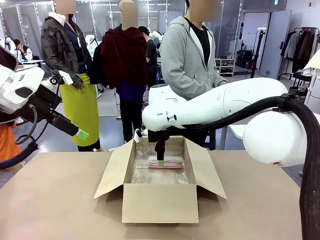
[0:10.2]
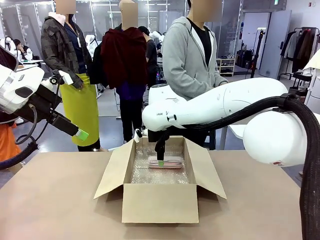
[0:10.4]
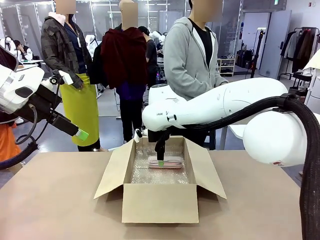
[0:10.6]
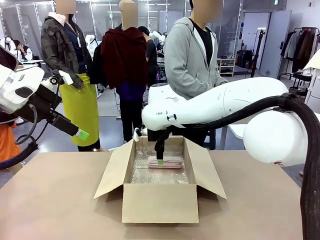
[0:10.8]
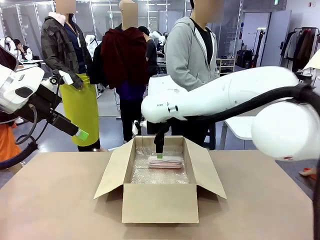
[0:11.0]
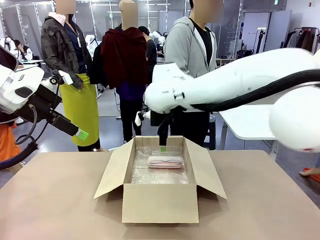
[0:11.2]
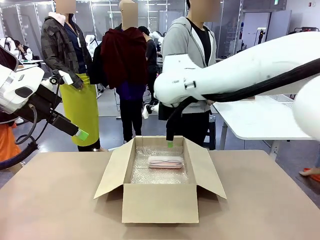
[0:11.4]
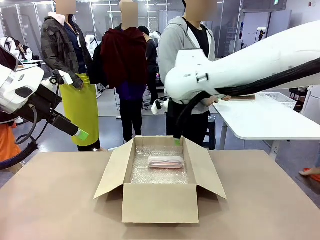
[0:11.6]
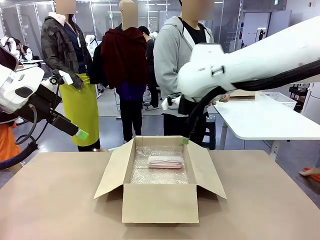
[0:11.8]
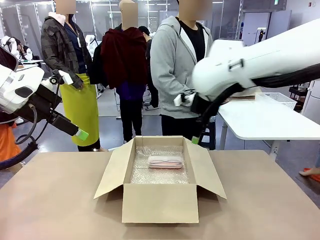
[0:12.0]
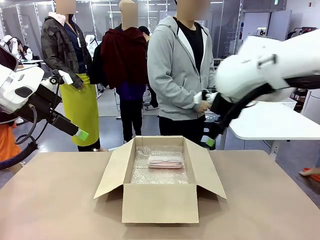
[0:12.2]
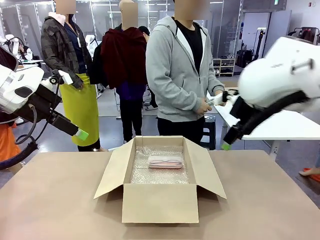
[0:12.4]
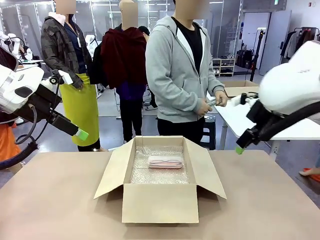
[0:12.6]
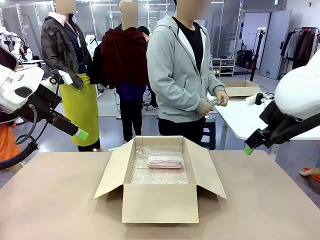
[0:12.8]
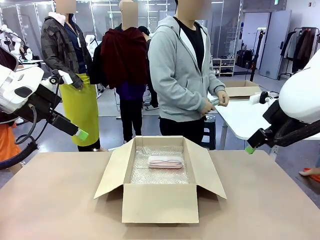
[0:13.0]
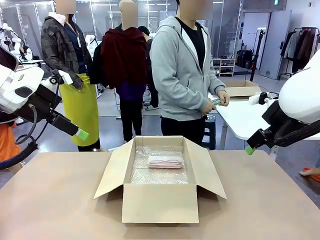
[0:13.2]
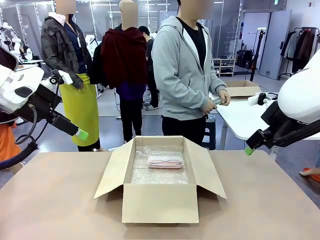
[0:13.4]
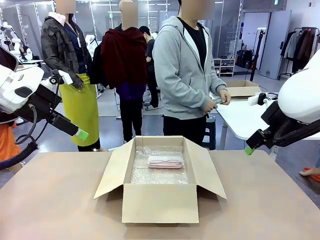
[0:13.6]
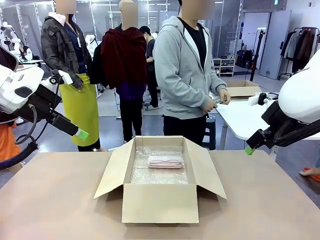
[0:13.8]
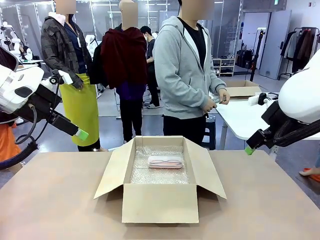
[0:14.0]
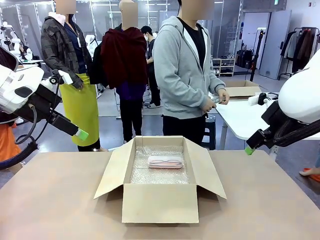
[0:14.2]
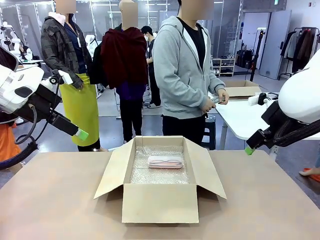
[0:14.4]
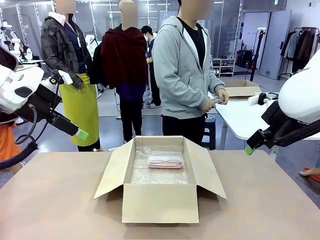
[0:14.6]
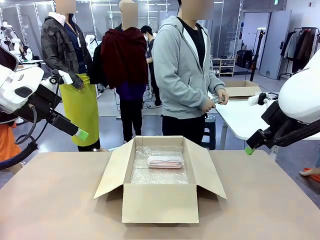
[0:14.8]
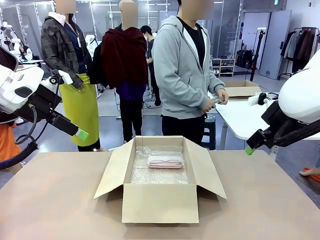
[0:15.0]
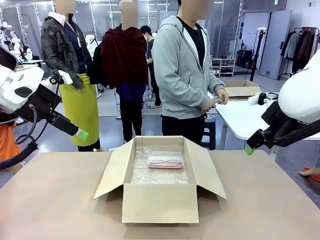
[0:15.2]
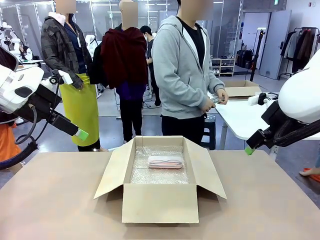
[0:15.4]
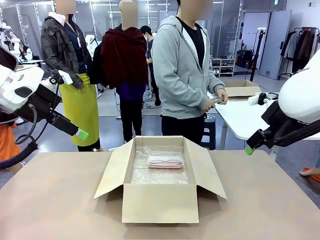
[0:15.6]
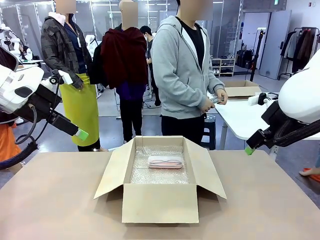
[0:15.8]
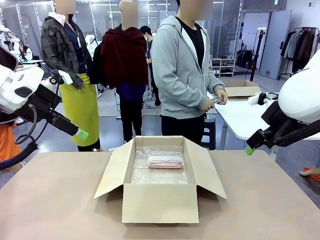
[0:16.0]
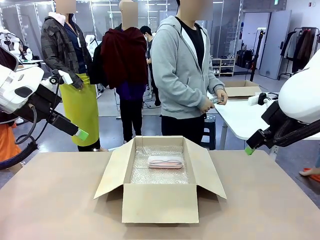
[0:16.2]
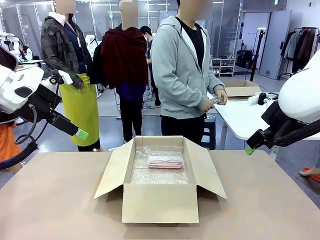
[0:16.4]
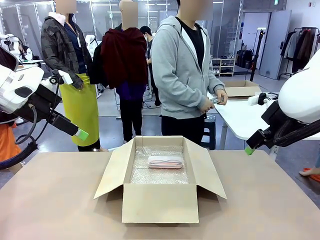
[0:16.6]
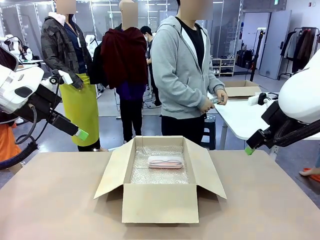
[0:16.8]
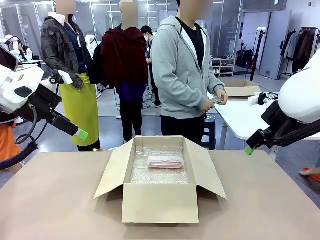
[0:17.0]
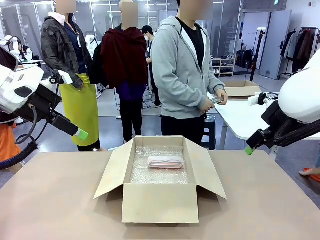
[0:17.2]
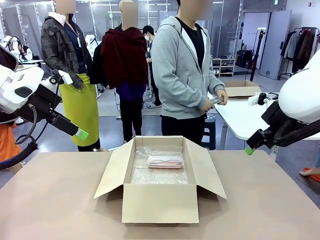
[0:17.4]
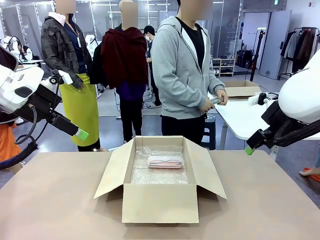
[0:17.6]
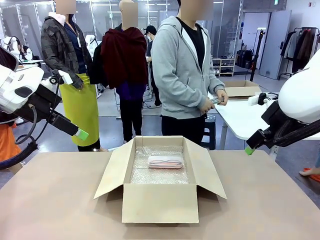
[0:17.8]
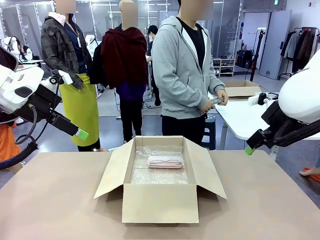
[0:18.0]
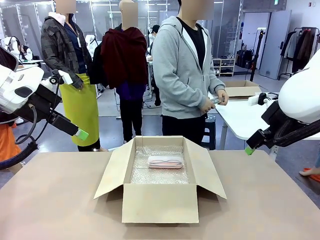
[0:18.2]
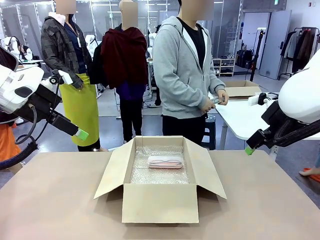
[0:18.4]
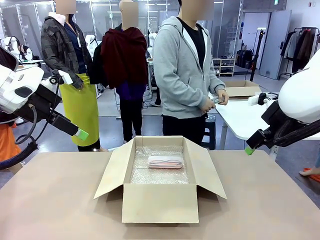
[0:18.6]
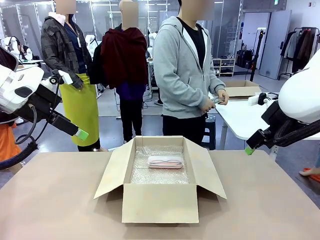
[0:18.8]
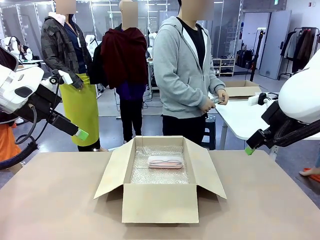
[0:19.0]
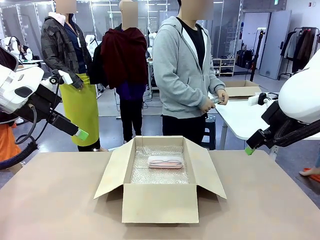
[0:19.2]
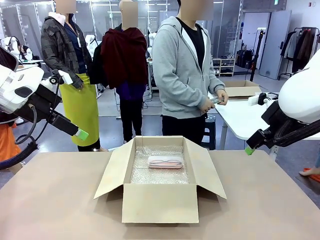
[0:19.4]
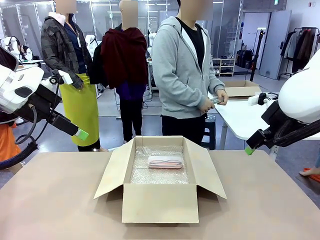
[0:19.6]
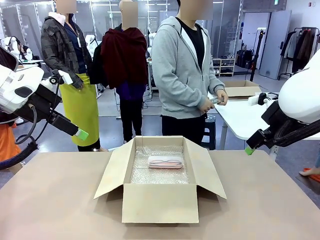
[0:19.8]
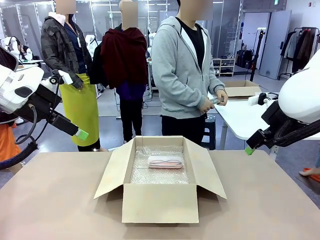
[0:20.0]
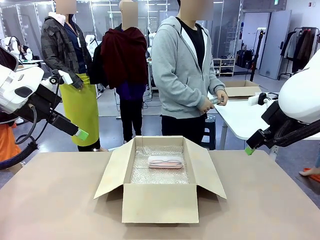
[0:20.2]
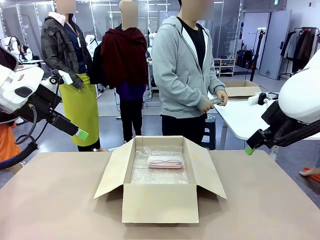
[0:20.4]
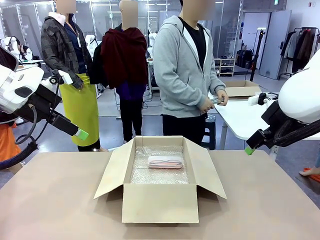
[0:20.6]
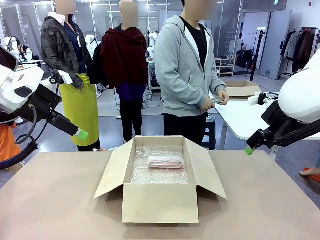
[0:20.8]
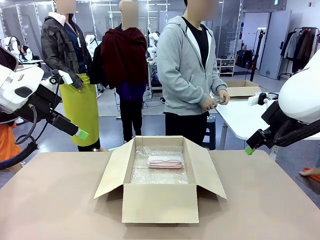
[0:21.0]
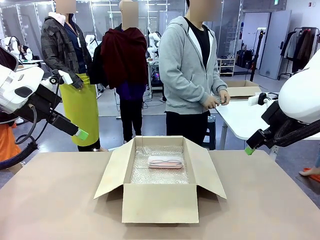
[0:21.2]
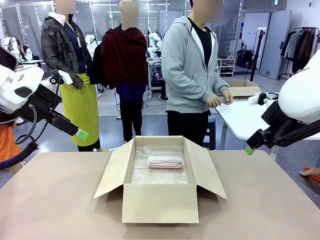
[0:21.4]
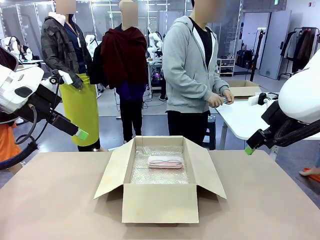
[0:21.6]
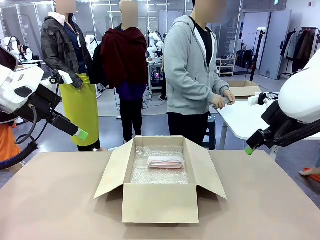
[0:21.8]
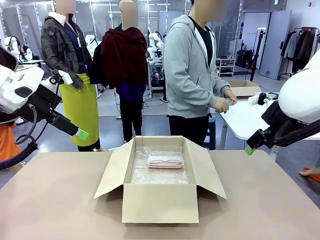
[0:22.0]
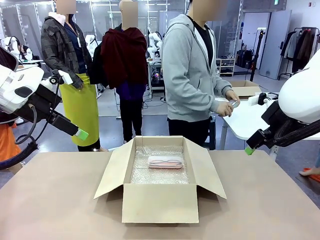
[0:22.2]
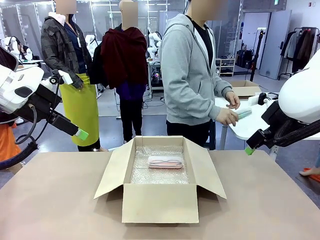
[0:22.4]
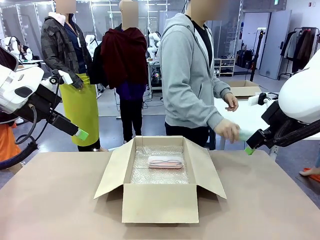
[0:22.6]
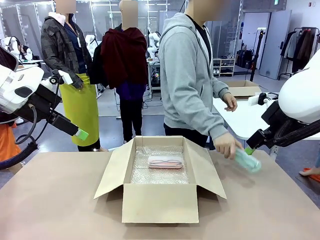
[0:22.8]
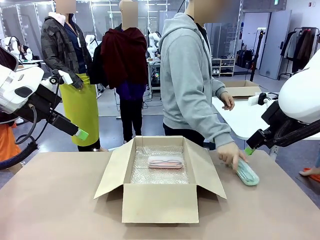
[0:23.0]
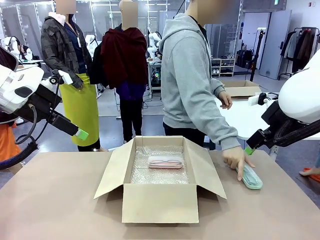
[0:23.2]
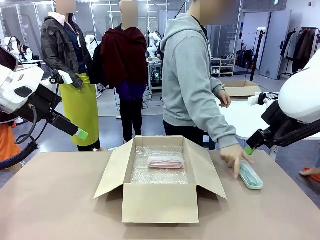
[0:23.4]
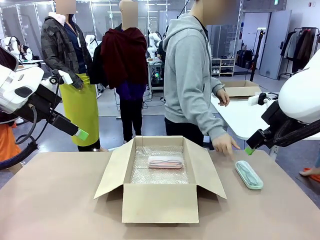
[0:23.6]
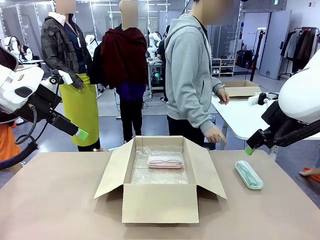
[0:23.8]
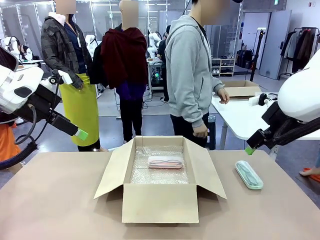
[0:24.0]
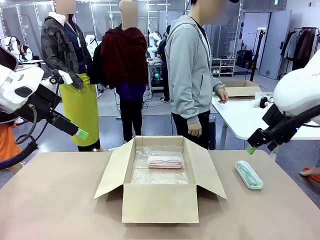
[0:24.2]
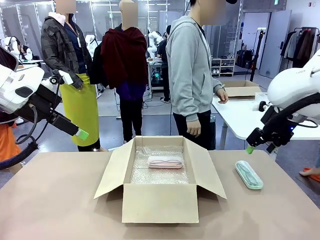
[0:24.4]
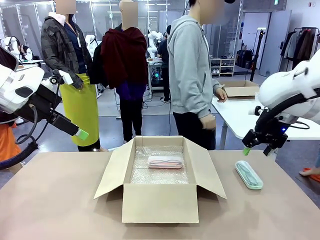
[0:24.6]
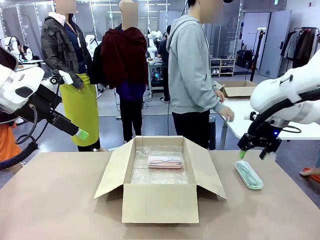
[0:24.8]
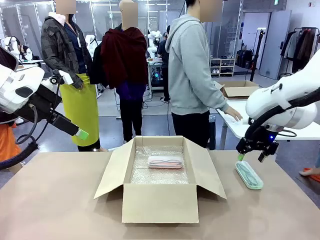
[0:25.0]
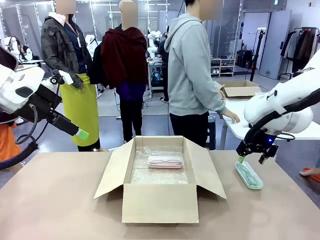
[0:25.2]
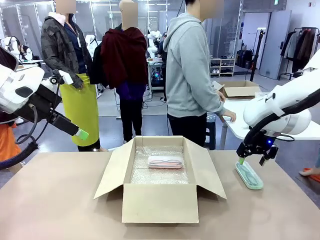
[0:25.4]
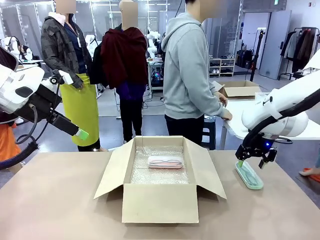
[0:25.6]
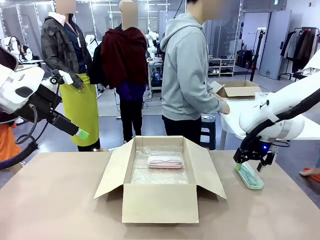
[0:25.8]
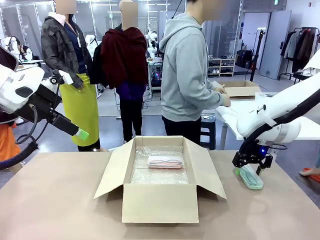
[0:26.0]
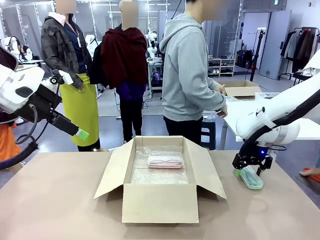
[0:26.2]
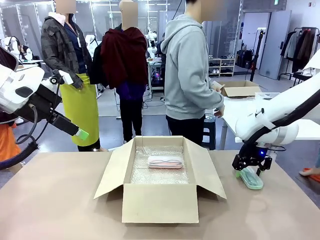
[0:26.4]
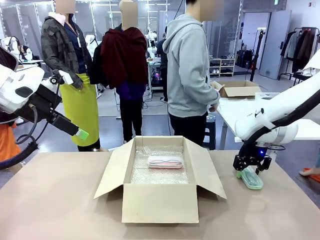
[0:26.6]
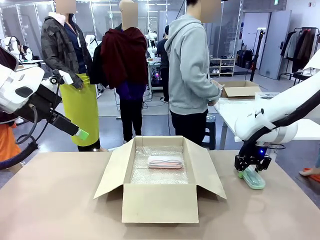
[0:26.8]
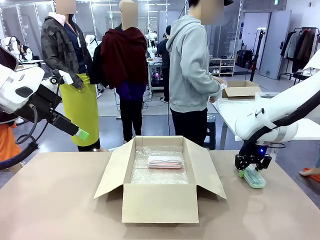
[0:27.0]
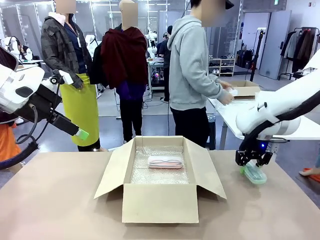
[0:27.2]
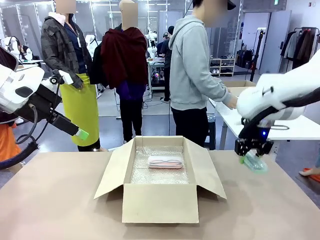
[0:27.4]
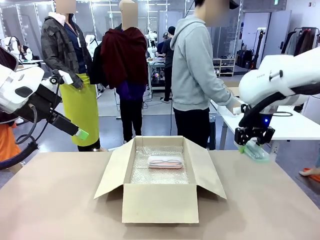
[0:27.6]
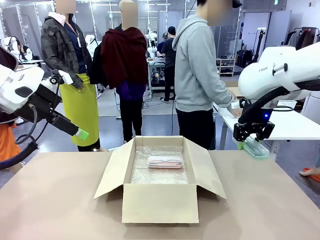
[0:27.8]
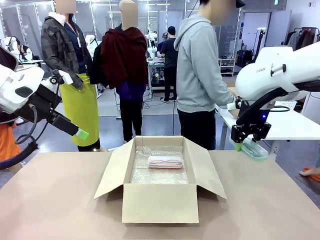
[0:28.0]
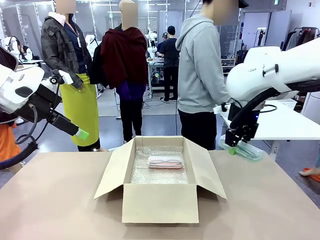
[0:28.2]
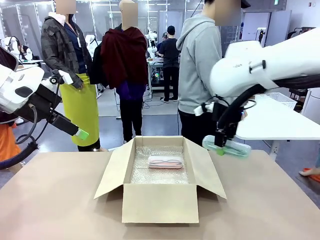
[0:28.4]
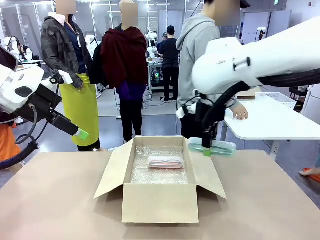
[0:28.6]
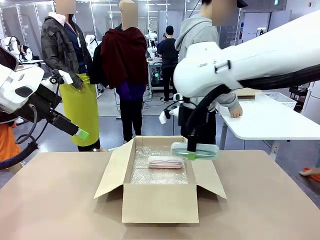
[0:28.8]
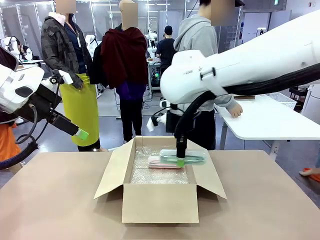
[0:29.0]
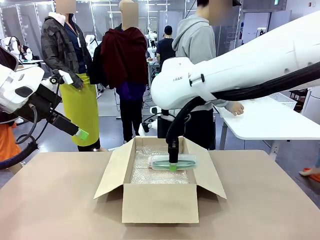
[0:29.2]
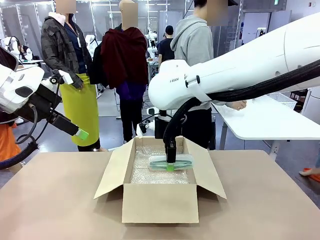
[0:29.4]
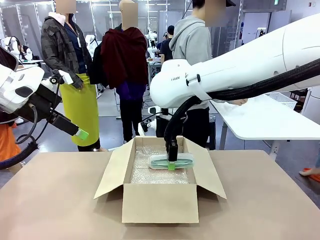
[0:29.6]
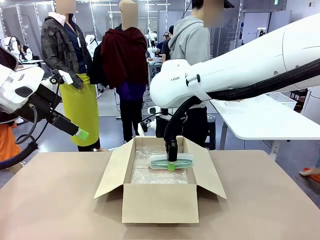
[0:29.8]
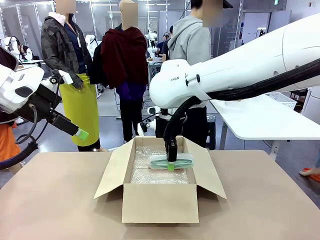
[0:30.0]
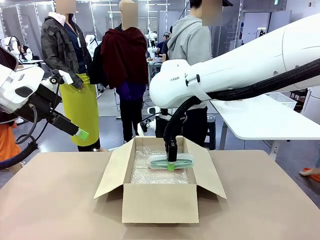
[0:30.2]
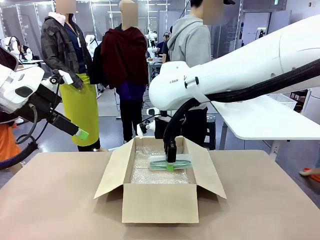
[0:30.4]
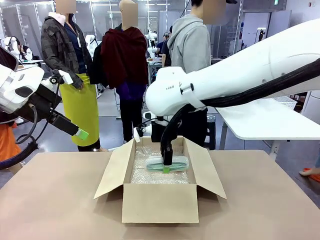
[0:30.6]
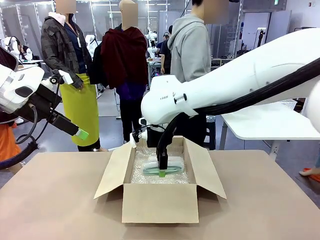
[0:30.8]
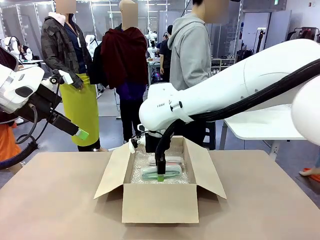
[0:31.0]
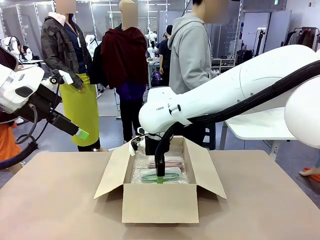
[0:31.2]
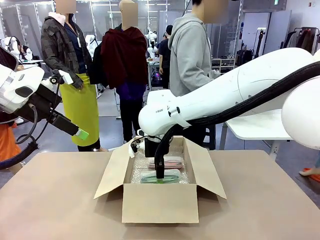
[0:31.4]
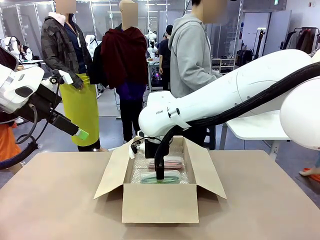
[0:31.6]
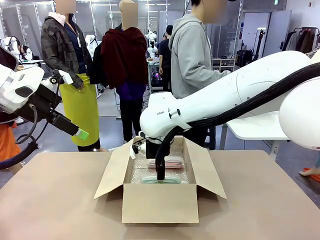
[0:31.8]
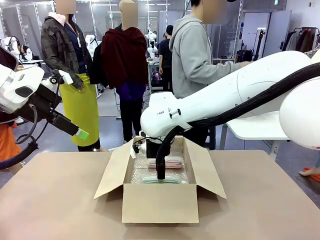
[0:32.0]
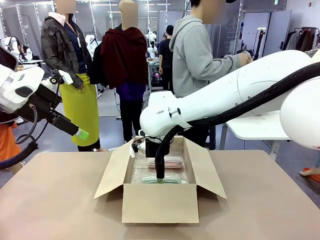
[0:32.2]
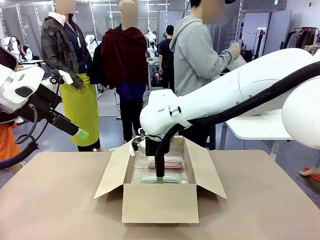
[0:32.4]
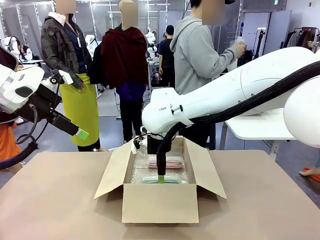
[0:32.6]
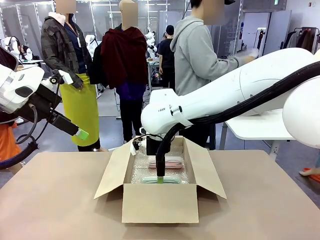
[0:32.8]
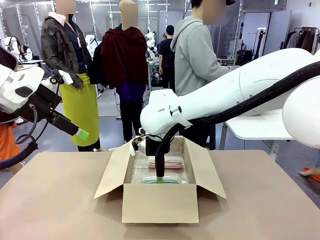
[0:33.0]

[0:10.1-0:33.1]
Task: Pack the glasses set securely to prepare it for shipping.
Robot: Put the Glasses case from the right side of the table into the Package Box.
Person: Position the Glasses case on the left side of the robot's table.
